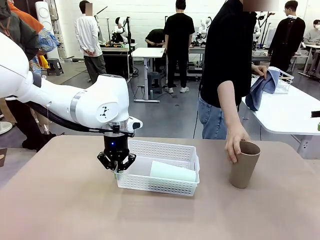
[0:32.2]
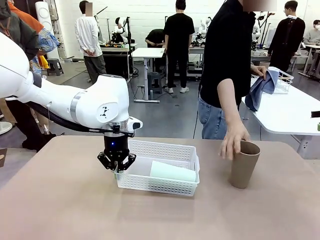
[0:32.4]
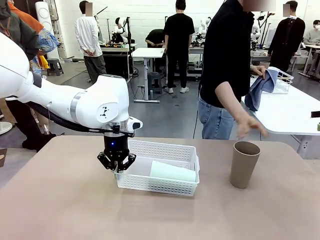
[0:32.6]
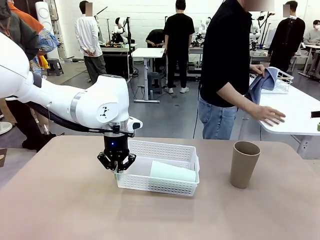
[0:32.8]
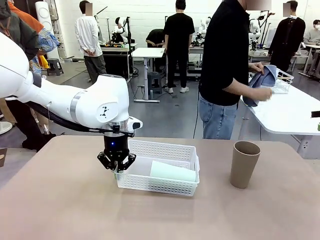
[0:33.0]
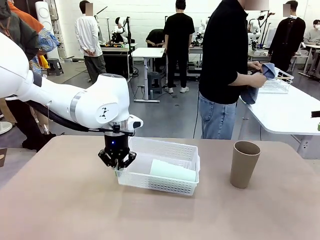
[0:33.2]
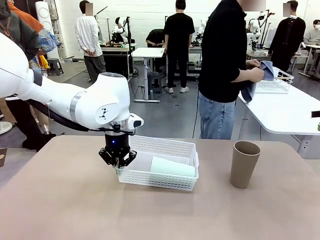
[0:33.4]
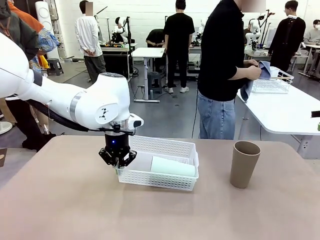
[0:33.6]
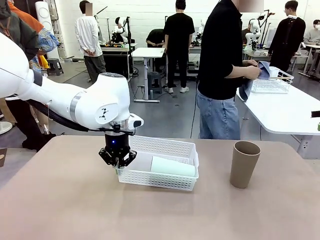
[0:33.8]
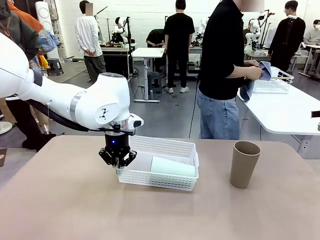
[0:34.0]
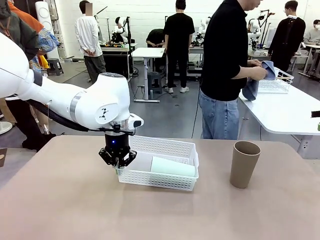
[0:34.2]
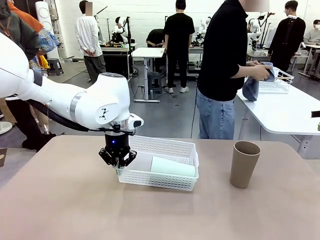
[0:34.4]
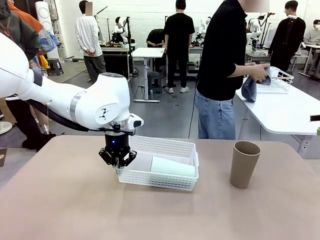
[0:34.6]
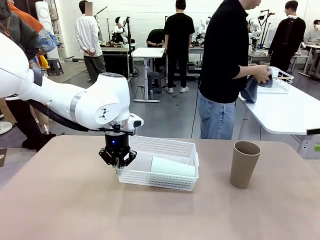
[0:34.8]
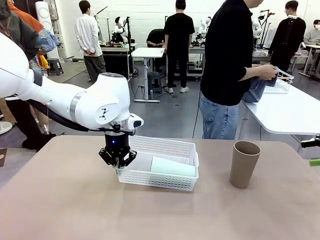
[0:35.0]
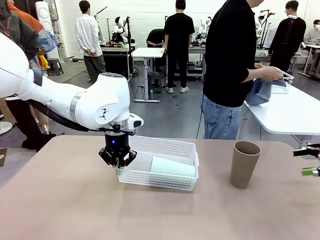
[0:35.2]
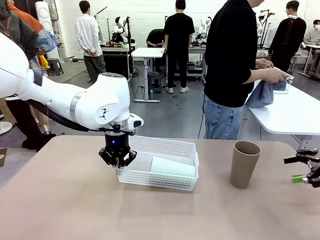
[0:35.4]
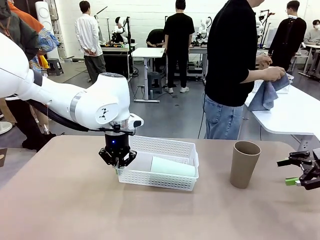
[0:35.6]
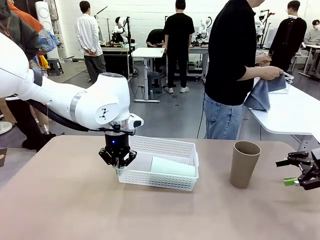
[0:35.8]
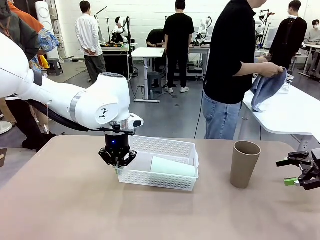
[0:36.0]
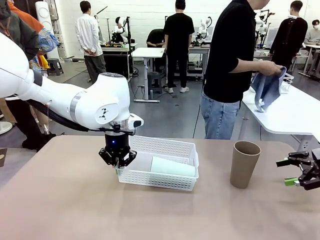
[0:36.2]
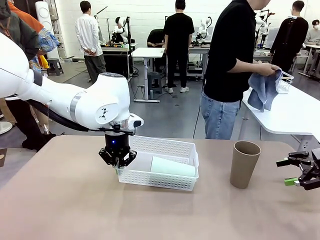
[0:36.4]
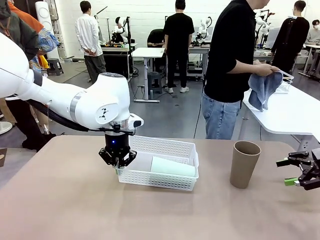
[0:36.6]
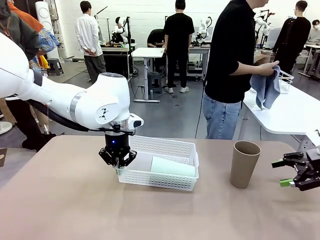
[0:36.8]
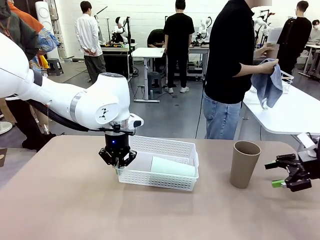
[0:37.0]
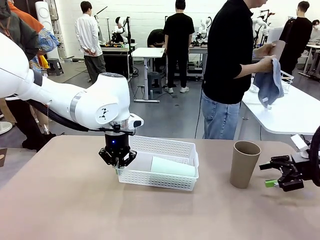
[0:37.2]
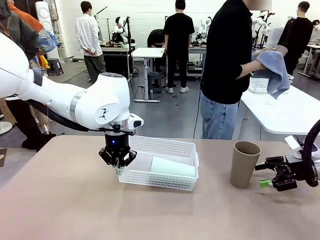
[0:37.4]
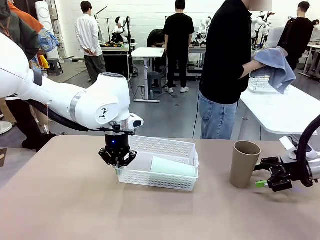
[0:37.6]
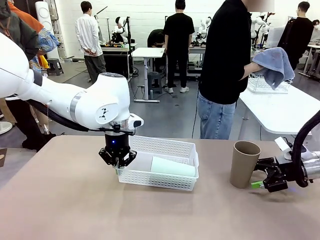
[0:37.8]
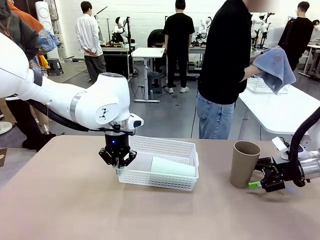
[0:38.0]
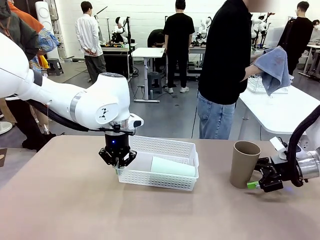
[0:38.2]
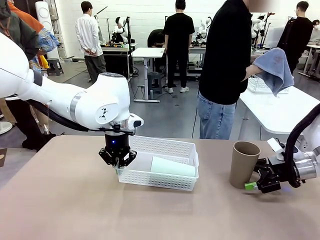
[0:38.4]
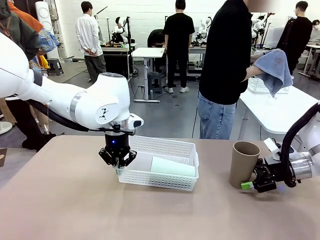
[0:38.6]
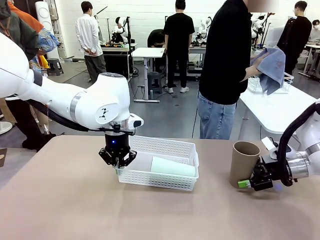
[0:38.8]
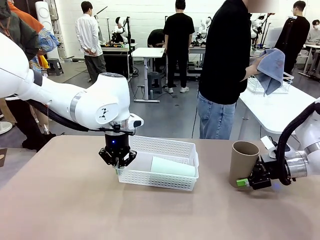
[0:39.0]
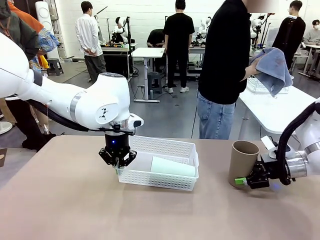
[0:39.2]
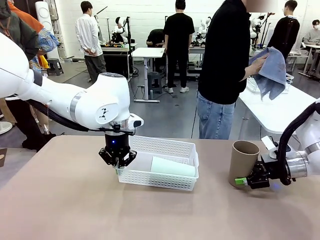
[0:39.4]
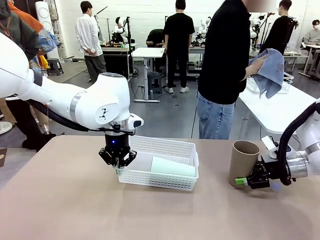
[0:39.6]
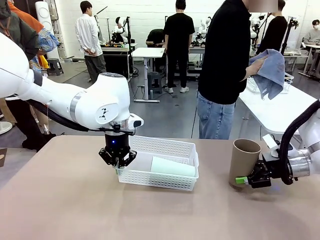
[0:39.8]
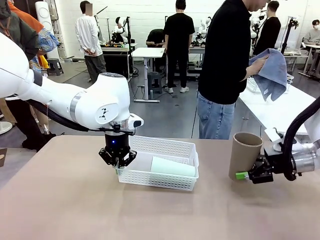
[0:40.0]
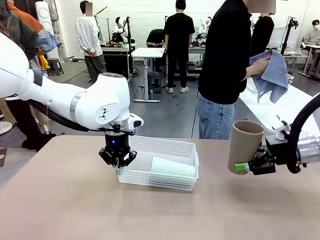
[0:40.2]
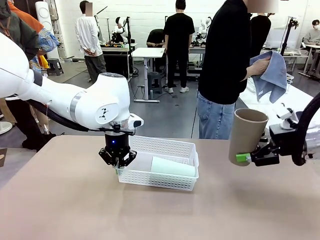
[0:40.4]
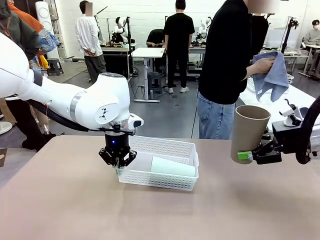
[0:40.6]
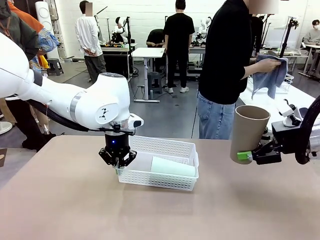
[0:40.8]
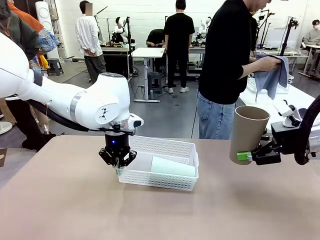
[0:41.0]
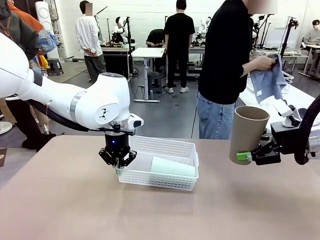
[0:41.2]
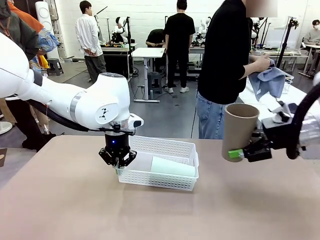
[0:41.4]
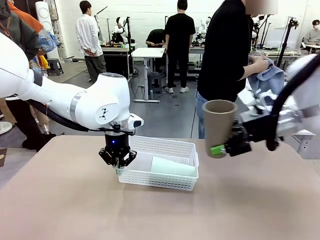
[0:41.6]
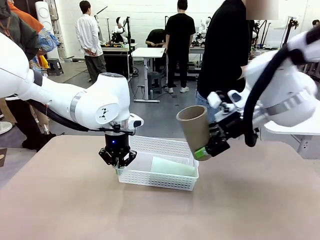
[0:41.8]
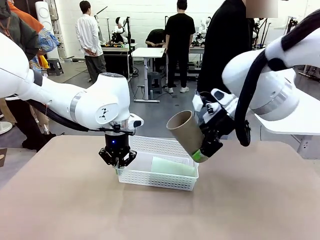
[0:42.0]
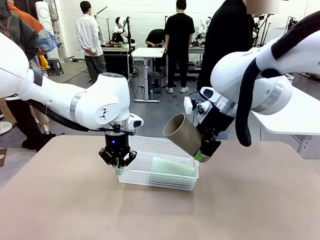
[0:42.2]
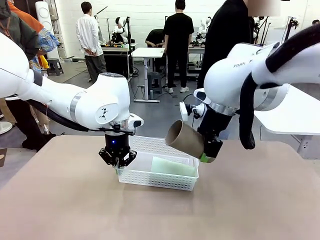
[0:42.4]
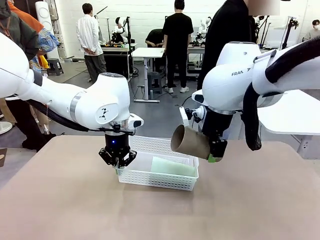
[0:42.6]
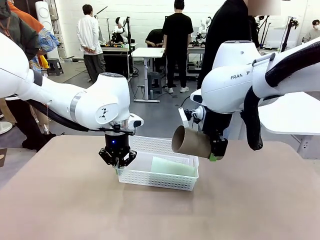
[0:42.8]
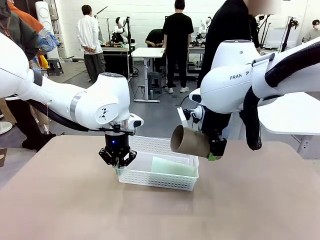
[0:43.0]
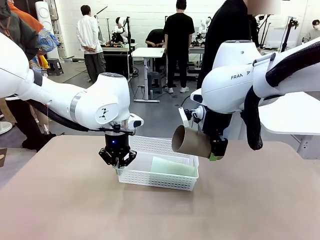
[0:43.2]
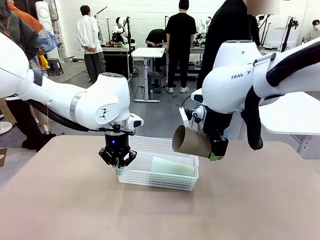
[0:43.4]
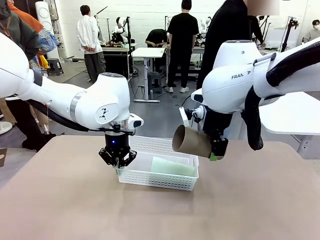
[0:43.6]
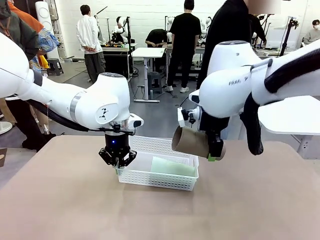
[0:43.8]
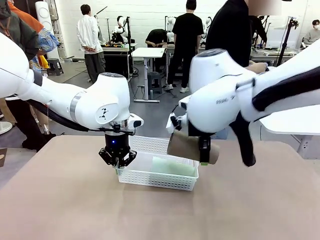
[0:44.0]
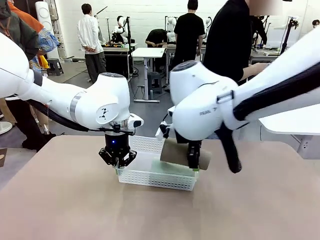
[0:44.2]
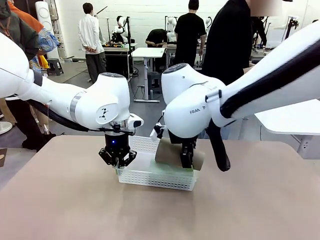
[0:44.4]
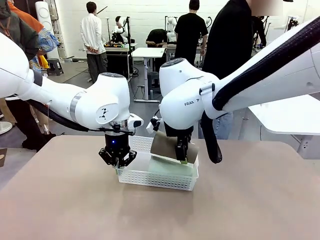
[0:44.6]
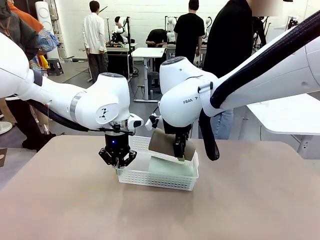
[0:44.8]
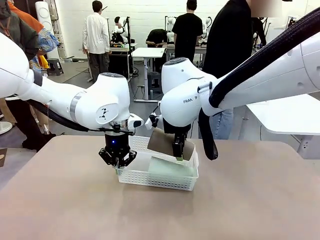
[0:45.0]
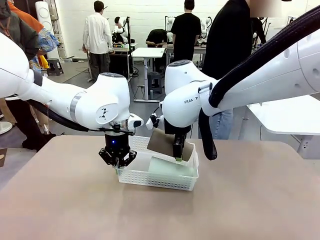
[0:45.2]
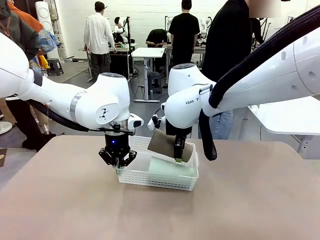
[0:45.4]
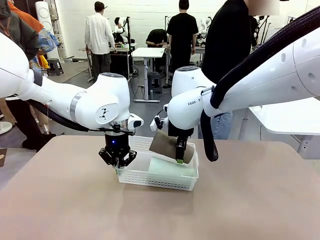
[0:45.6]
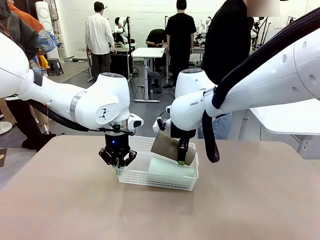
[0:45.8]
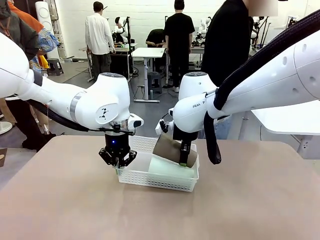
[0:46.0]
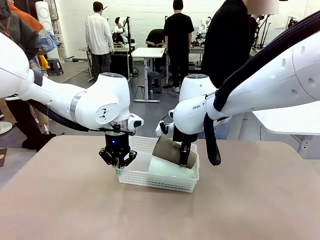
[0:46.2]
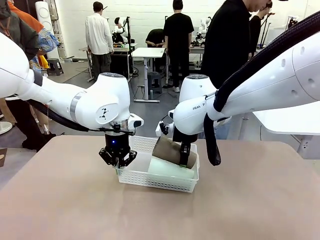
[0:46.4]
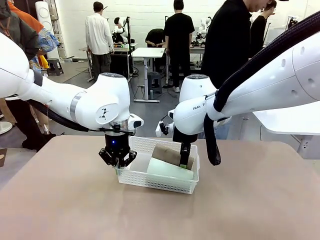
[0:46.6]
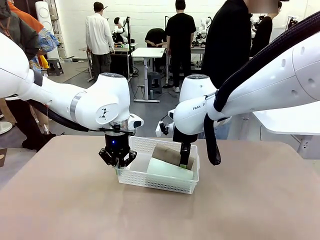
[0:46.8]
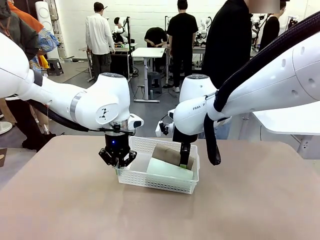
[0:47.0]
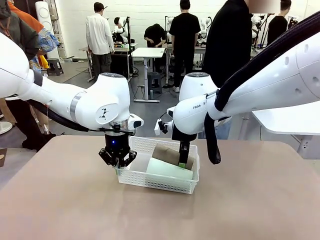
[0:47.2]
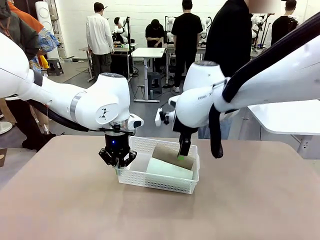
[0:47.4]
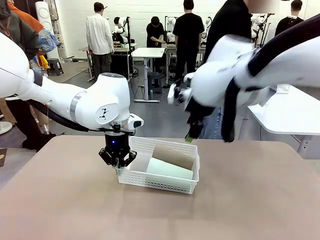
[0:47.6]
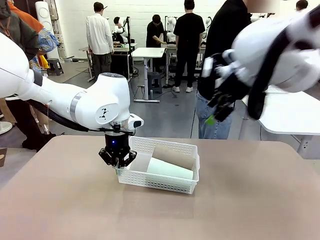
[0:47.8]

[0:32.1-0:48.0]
Task: Clean and organize the cups into the basket.
Robot: Pick up the Reusable plastic cup from the right side of the table and stack it inside the Organizing basket in the center of the table.
